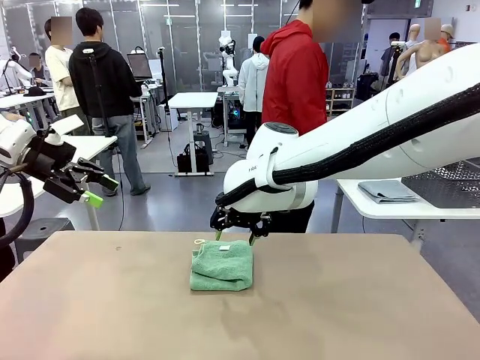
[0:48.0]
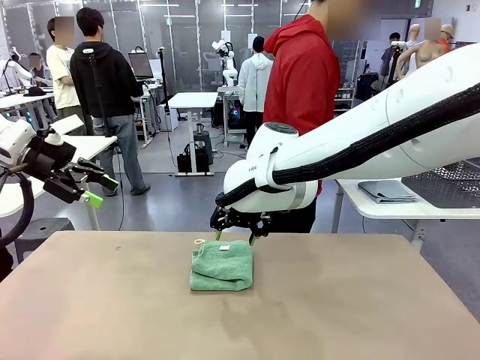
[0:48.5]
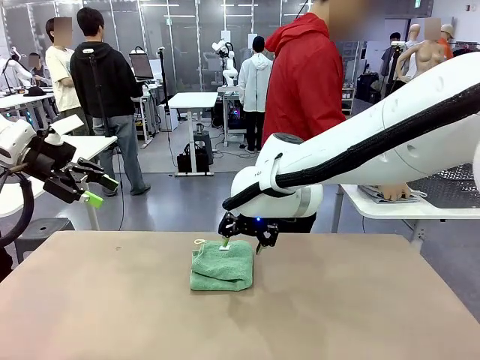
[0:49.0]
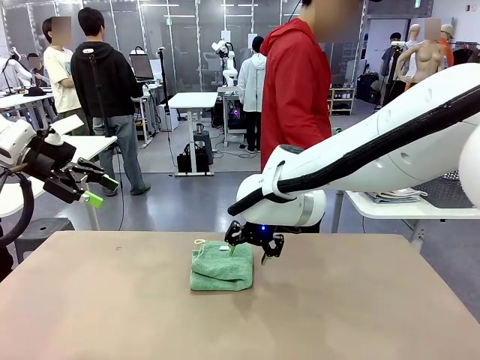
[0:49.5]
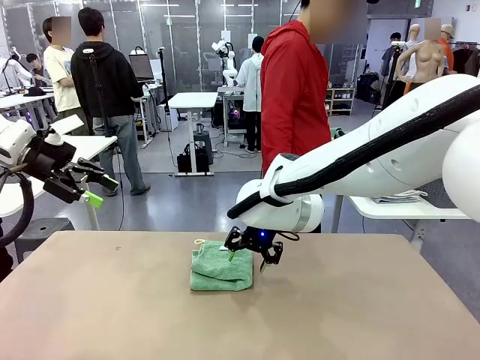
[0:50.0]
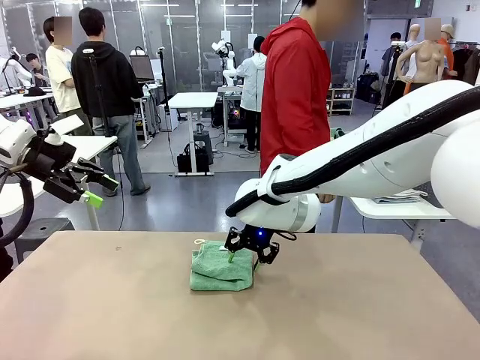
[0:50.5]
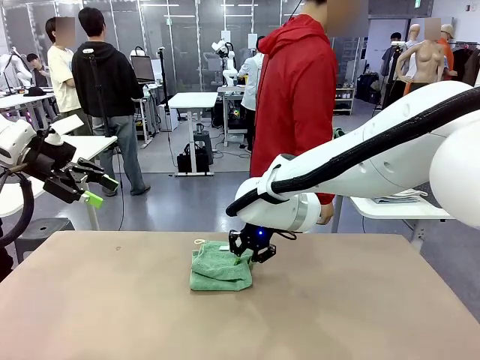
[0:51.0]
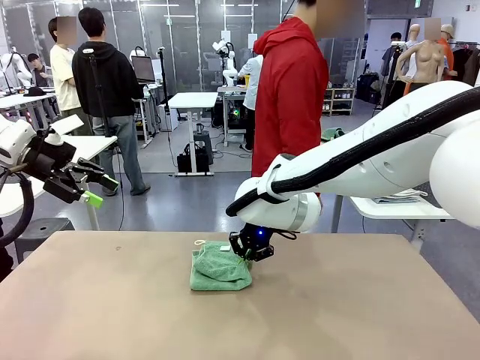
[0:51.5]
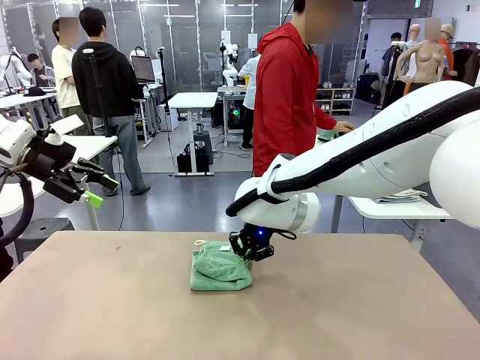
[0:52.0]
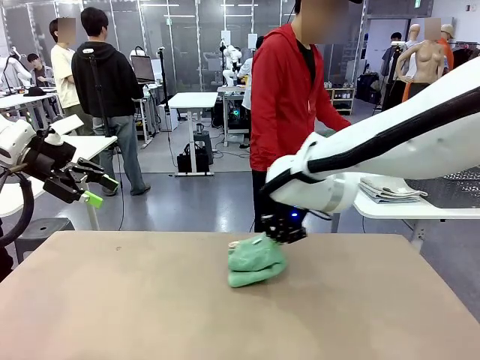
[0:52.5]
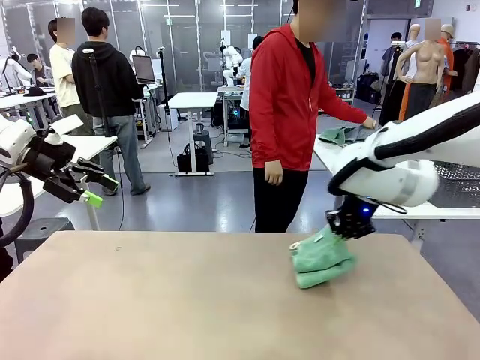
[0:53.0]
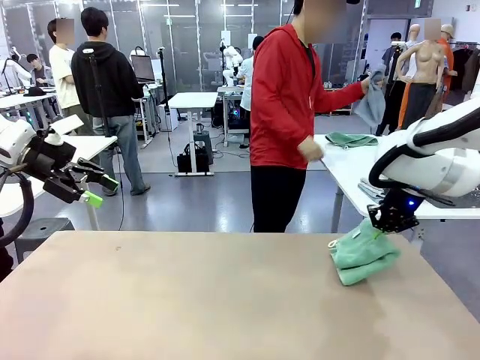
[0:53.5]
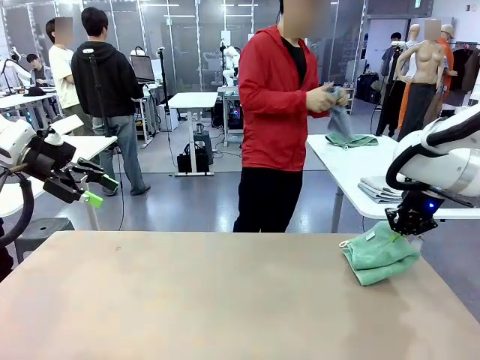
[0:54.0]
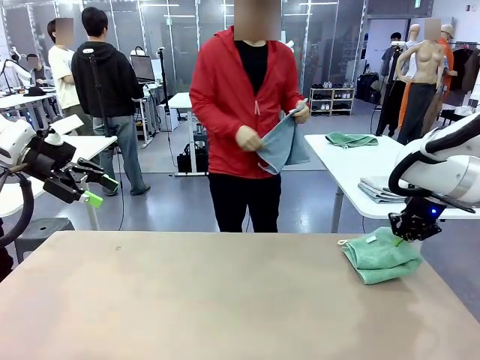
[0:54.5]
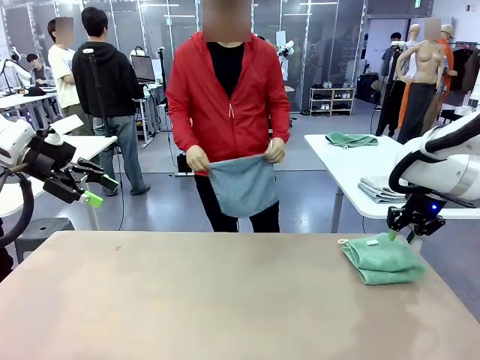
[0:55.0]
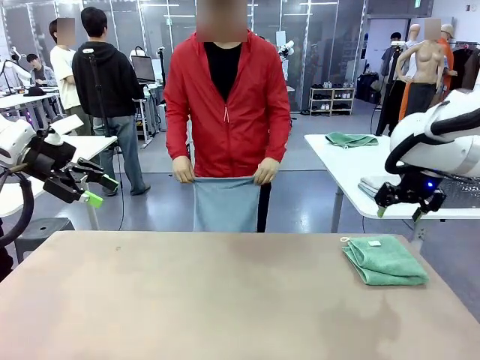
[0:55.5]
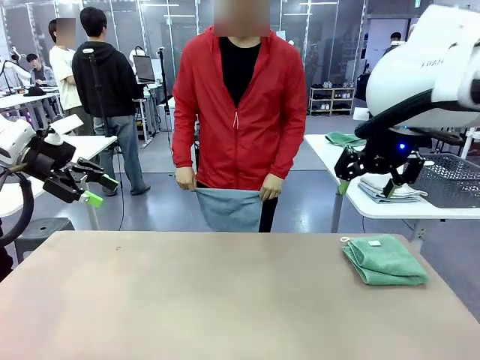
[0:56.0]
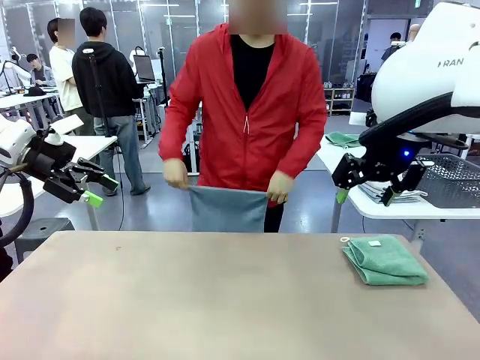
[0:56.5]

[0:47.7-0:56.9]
Task: Fold the towels and place them in the basket.
Robot: Place the folded Towel with hook on the right side of the table.
Person: Pick up one towel from the left side of the human table and spread it out at the center of the robot table.

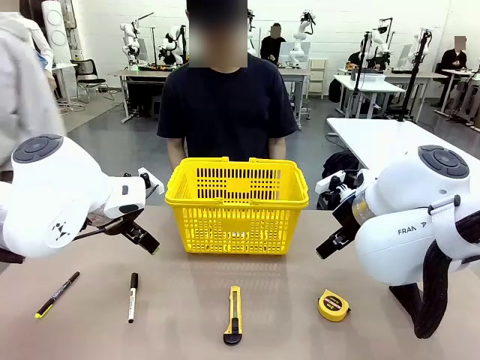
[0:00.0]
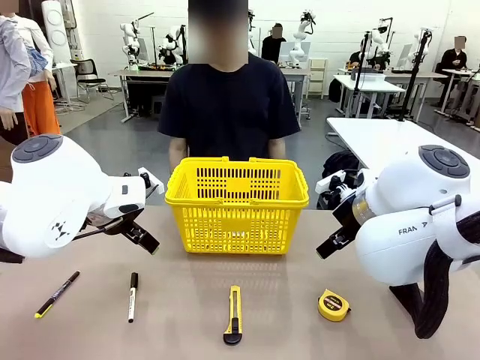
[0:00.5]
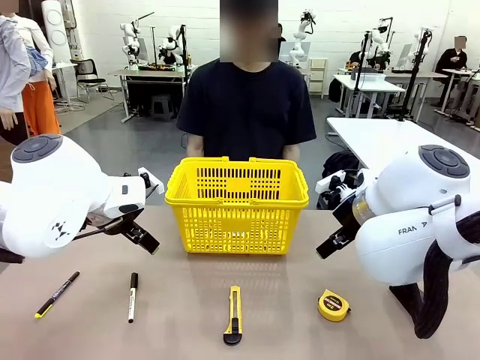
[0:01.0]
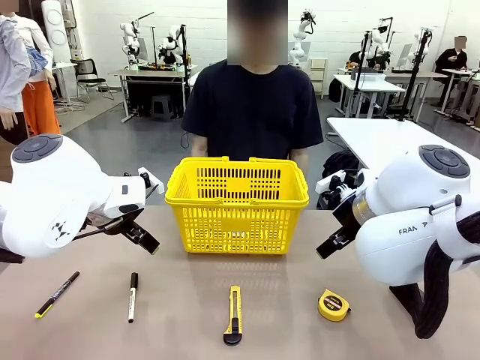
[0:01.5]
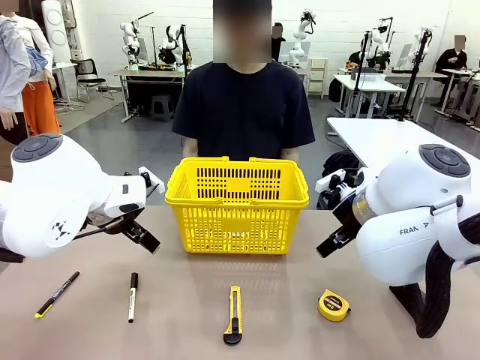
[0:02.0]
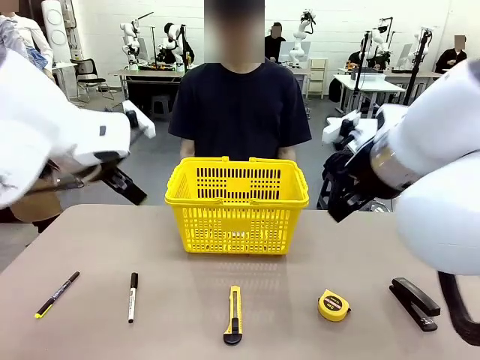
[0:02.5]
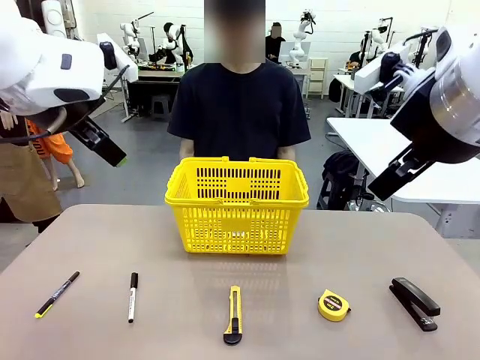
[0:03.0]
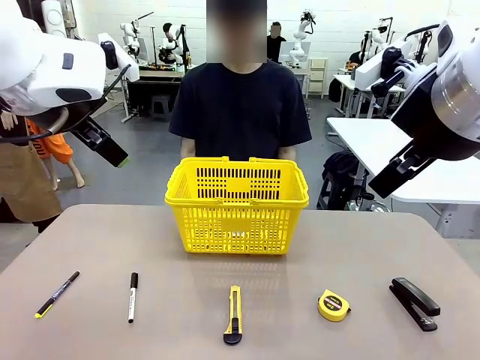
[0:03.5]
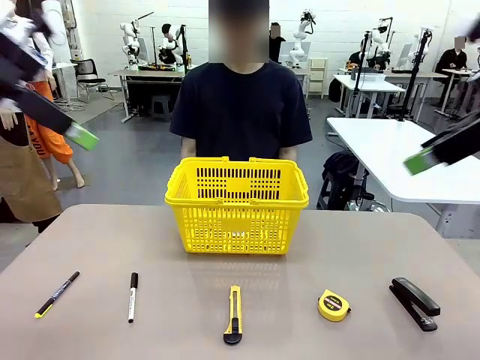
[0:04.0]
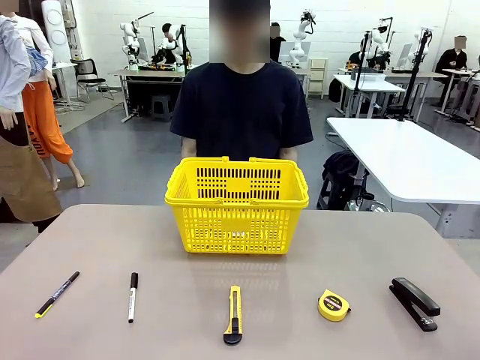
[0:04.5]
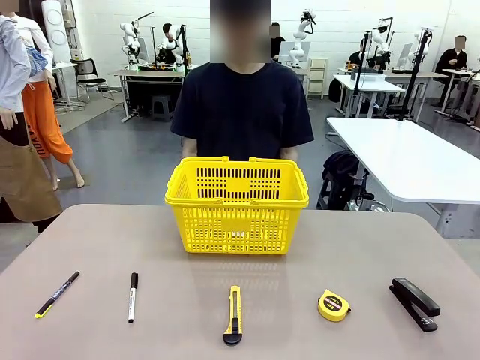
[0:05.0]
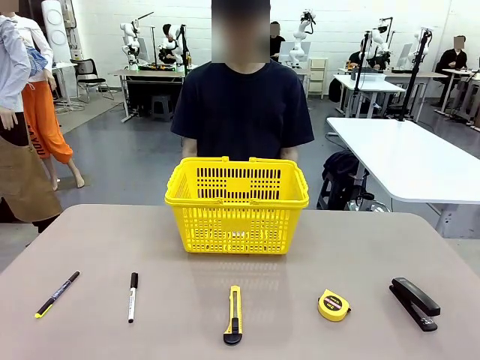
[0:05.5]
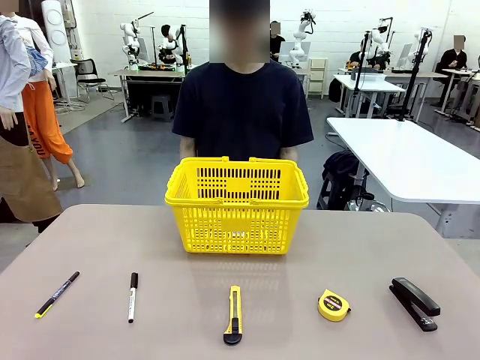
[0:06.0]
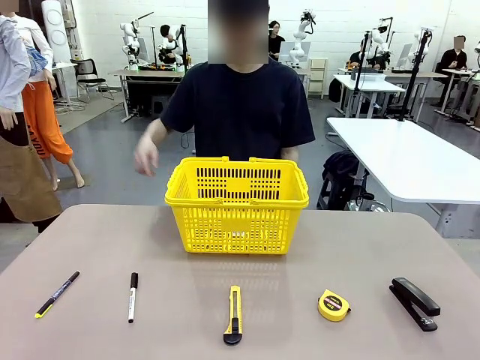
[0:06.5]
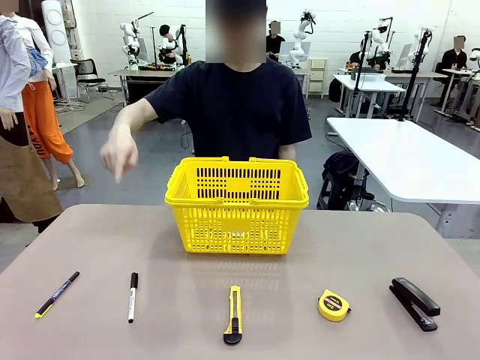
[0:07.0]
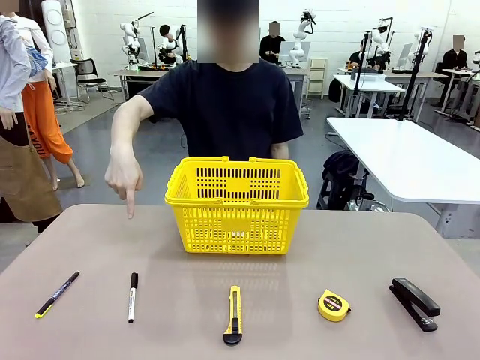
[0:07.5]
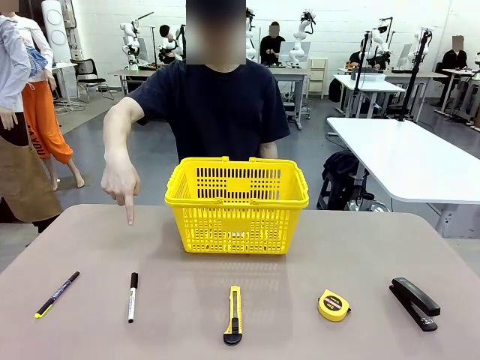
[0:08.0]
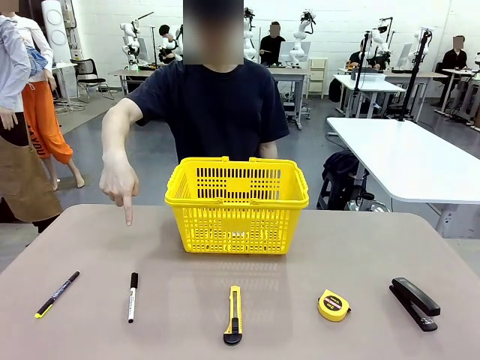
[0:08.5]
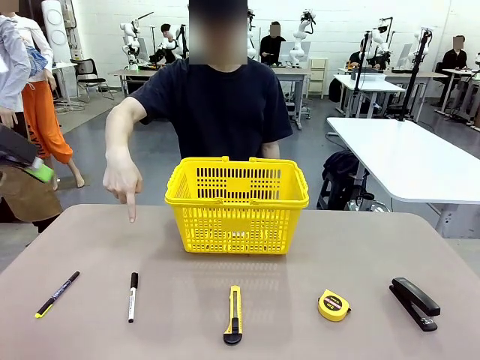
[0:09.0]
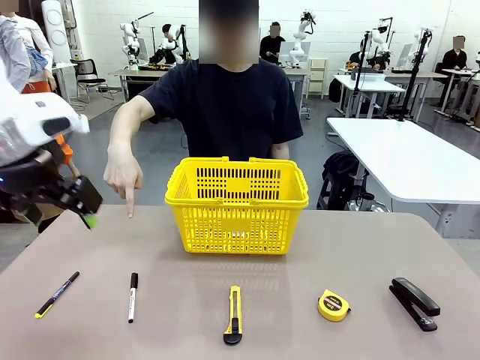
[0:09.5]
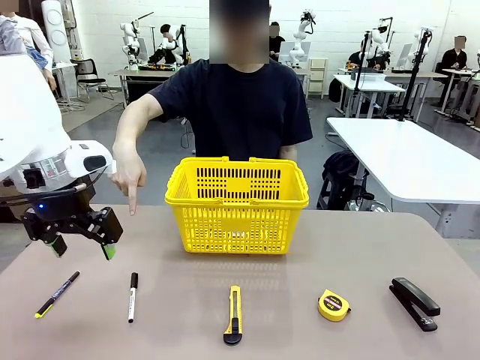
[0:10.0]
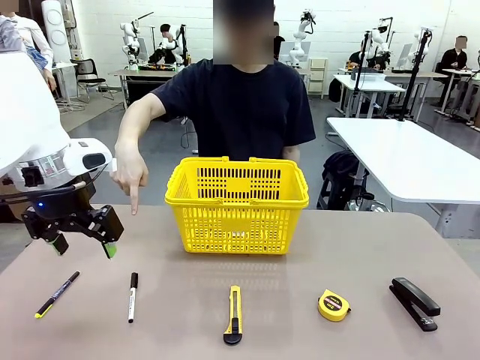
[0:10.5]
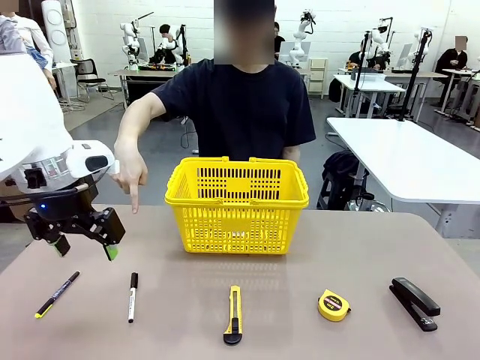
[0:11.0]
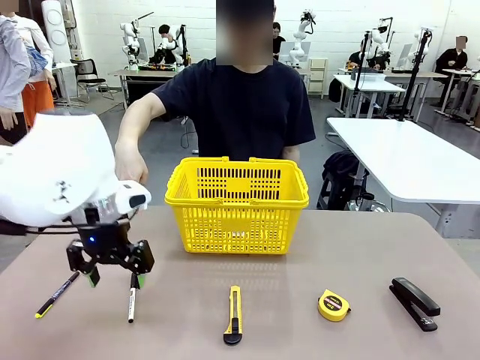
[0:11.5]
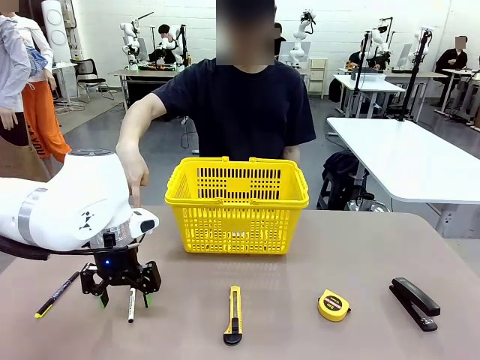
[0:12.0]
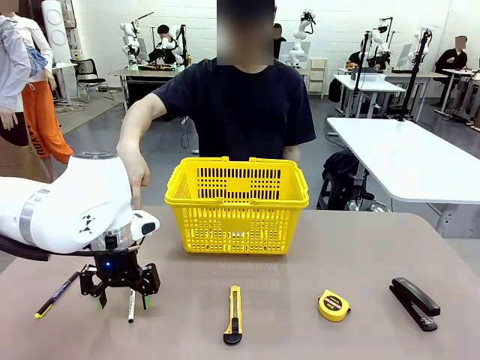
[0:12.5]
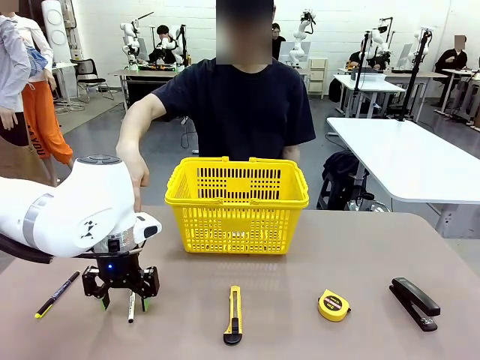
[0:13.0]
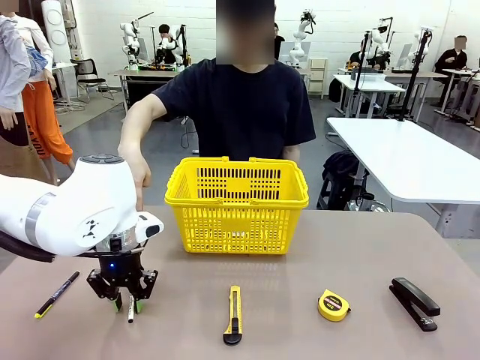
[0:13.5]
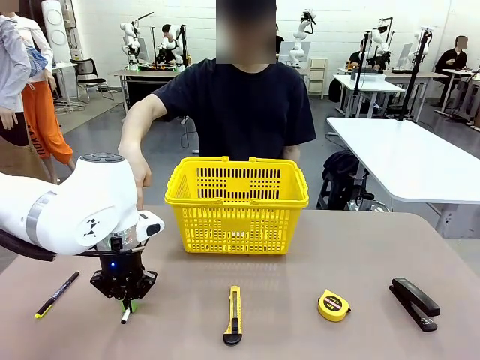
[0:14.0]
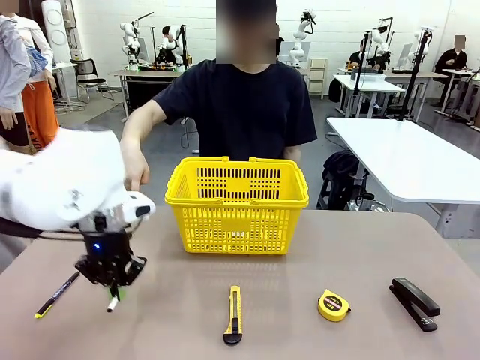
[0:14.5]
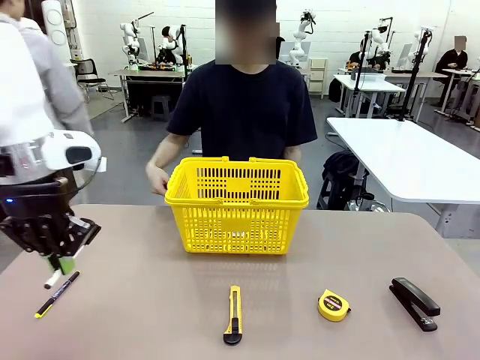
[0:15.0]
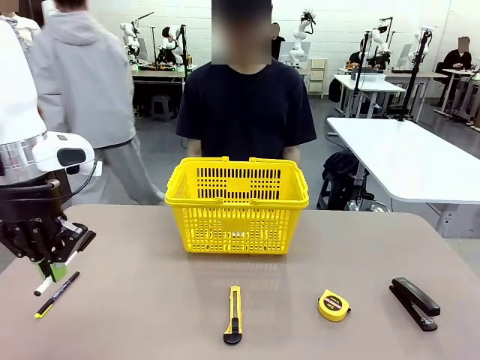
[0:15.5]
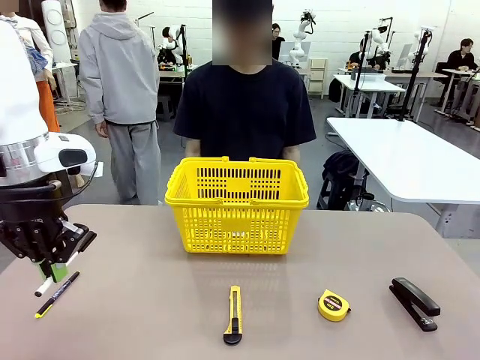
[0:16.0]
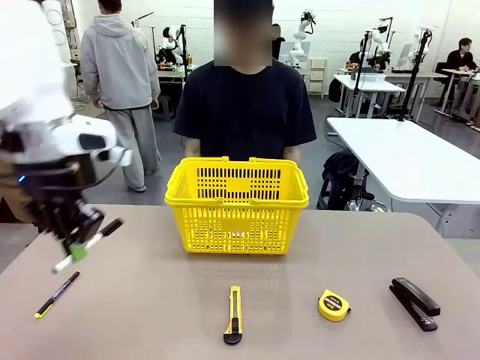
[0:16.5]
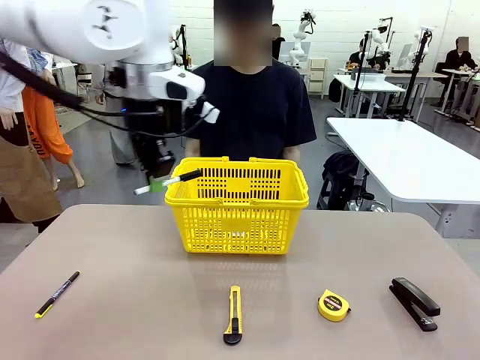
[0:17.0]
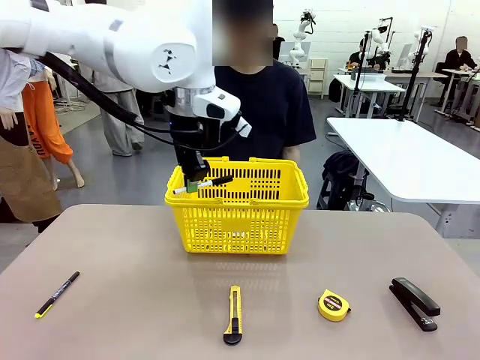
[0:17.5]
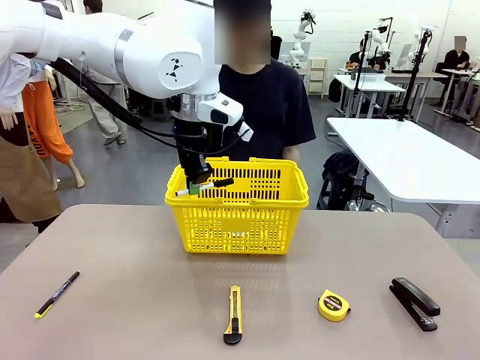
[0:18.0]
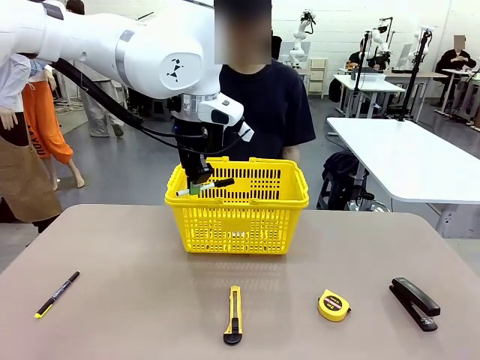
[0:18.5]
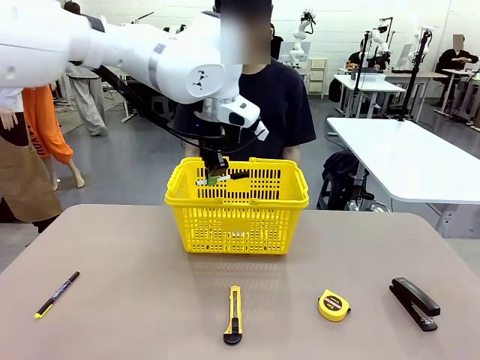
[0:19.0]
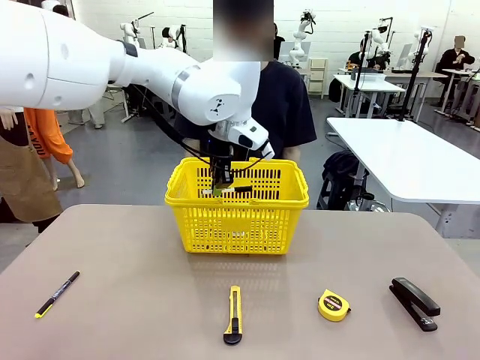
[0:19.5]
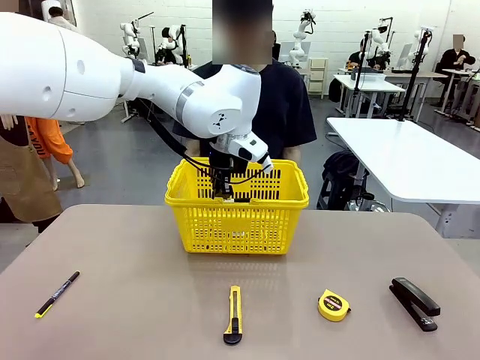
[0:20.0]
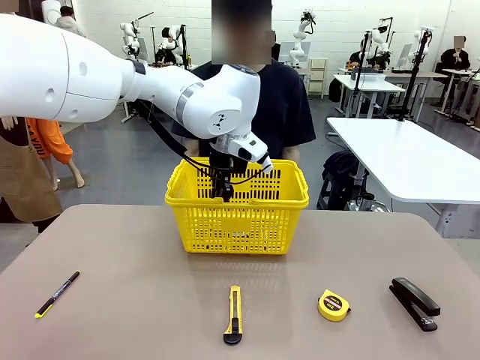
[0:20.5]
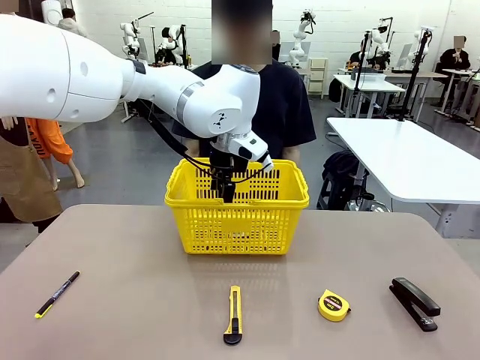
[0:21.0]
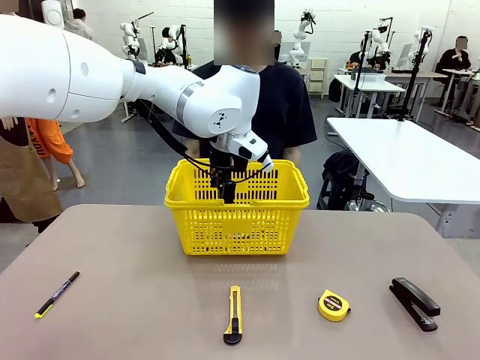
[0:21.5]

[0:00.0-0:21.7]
Task: Place the items the person wants into the basket.
Robot: Pick up the item the person points to and place it in the Market Basket.
